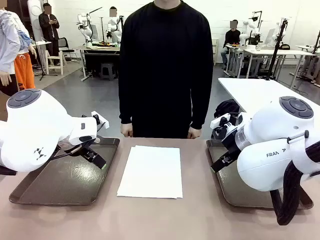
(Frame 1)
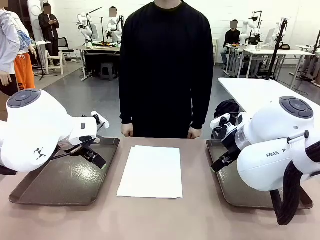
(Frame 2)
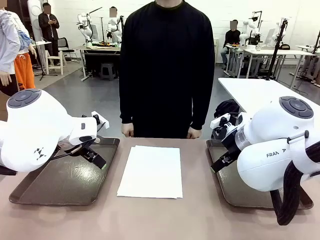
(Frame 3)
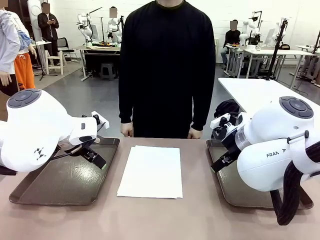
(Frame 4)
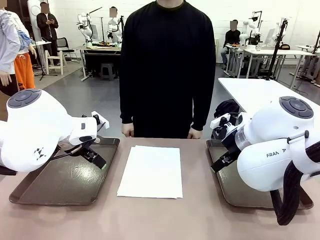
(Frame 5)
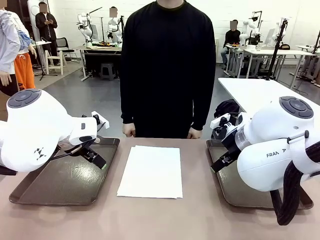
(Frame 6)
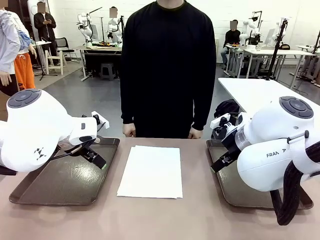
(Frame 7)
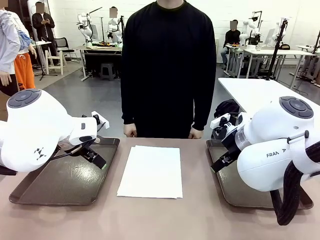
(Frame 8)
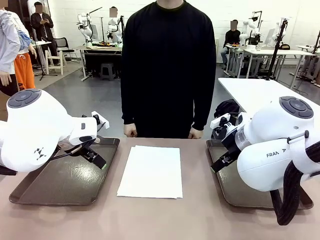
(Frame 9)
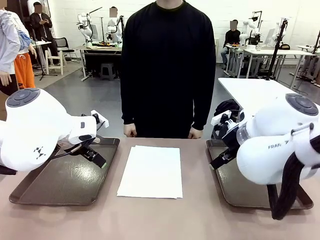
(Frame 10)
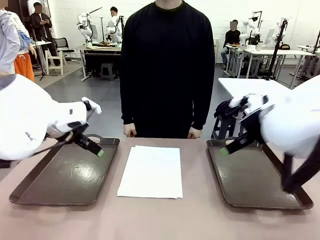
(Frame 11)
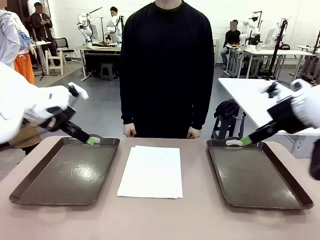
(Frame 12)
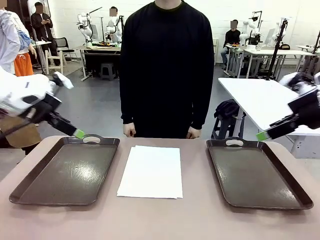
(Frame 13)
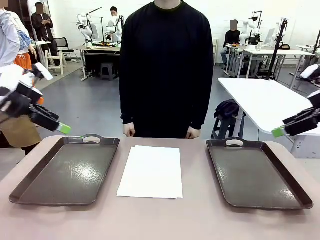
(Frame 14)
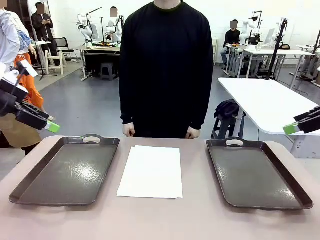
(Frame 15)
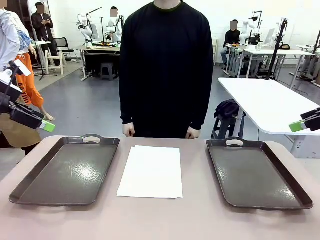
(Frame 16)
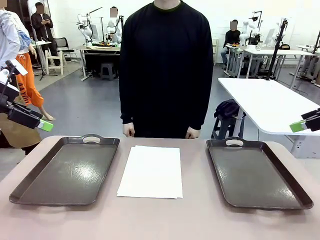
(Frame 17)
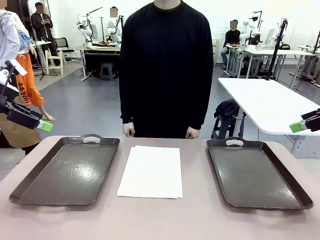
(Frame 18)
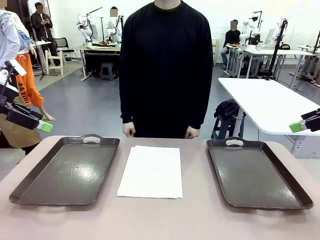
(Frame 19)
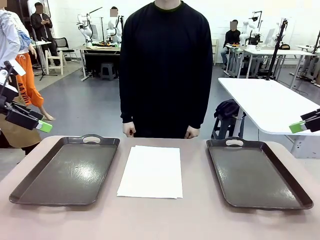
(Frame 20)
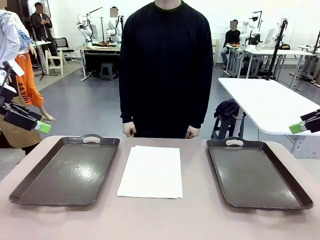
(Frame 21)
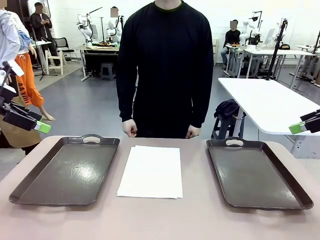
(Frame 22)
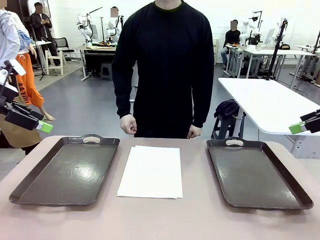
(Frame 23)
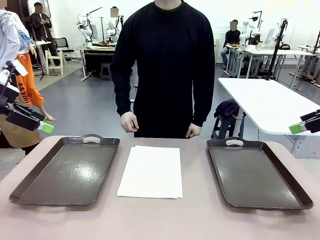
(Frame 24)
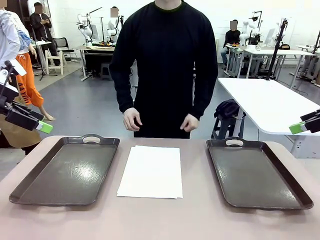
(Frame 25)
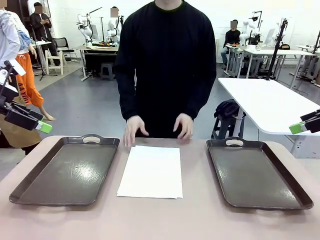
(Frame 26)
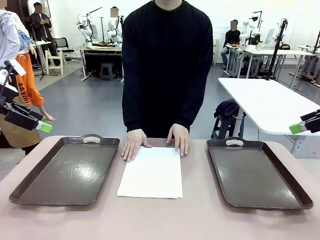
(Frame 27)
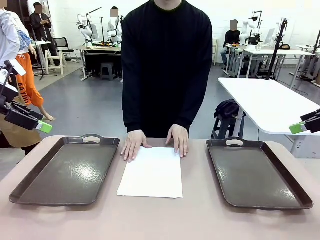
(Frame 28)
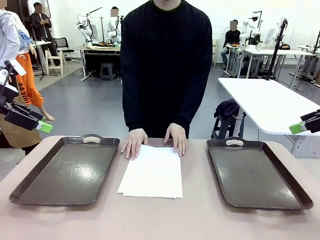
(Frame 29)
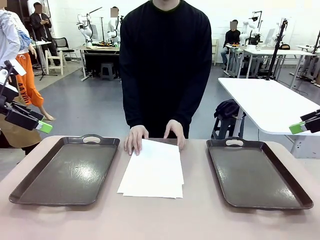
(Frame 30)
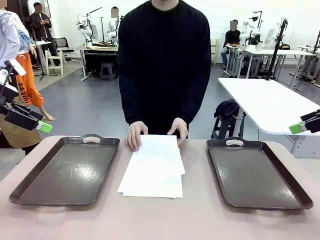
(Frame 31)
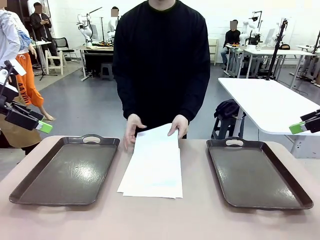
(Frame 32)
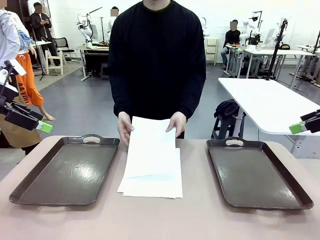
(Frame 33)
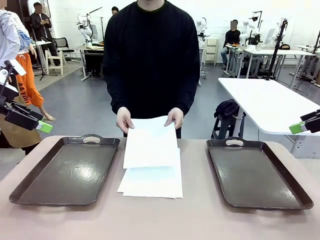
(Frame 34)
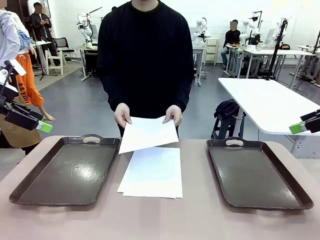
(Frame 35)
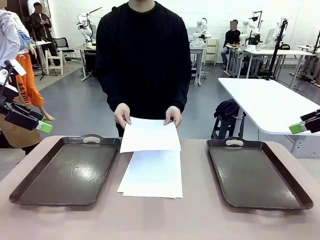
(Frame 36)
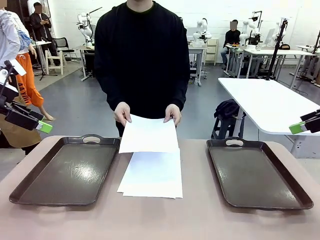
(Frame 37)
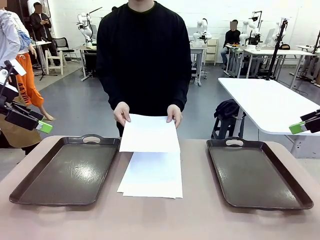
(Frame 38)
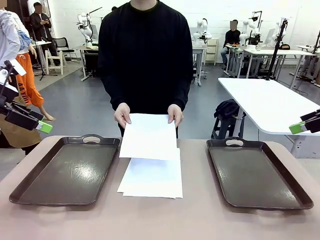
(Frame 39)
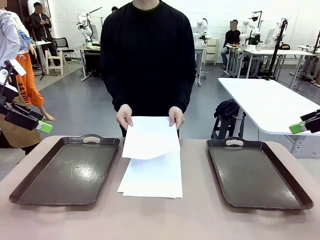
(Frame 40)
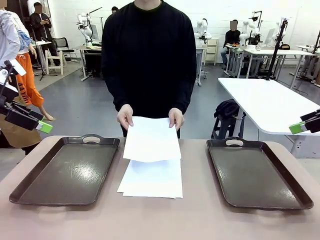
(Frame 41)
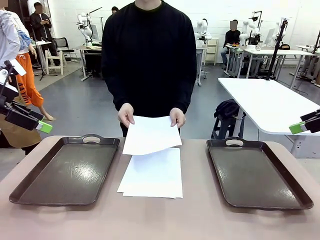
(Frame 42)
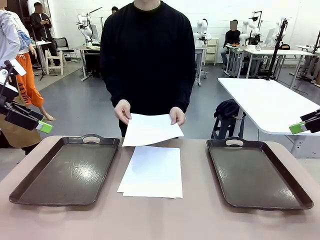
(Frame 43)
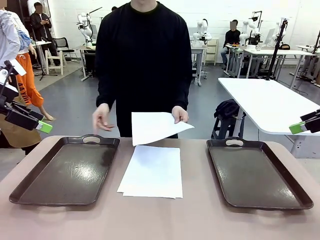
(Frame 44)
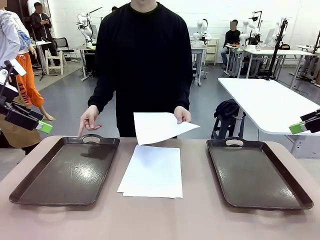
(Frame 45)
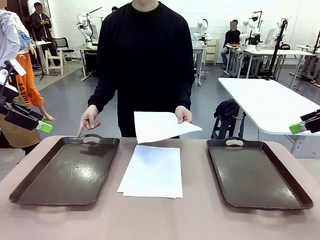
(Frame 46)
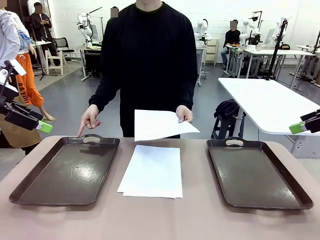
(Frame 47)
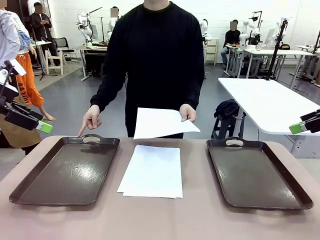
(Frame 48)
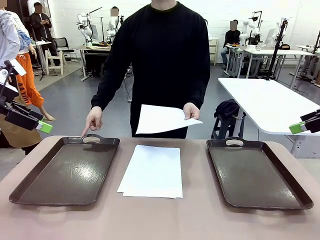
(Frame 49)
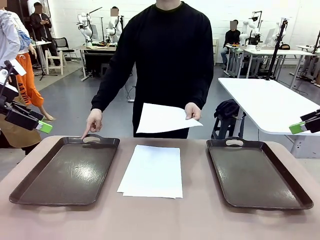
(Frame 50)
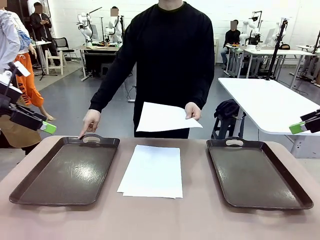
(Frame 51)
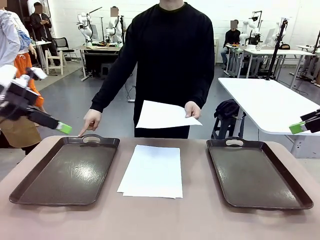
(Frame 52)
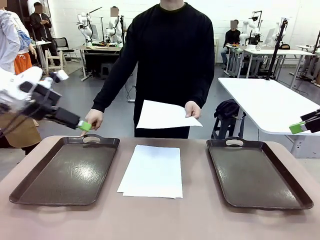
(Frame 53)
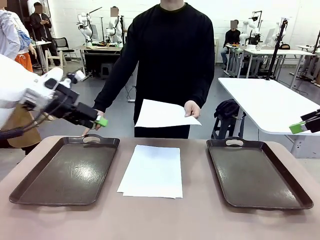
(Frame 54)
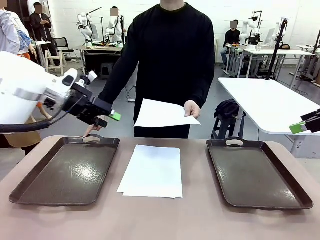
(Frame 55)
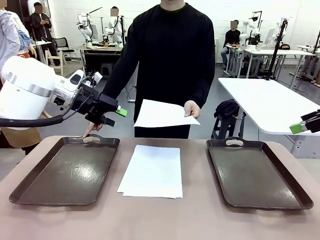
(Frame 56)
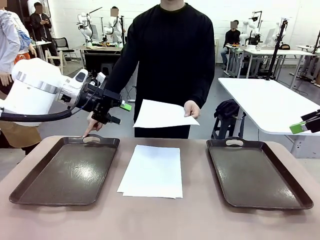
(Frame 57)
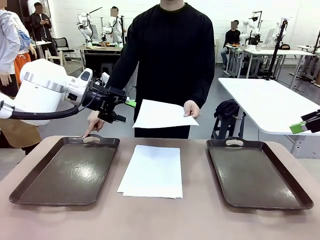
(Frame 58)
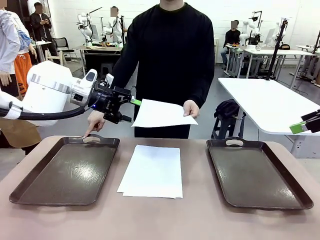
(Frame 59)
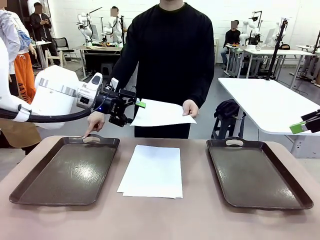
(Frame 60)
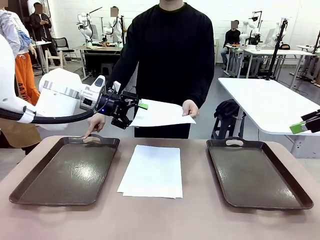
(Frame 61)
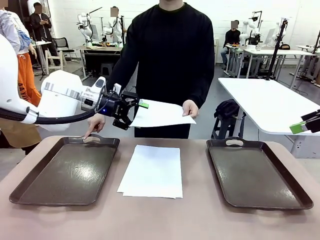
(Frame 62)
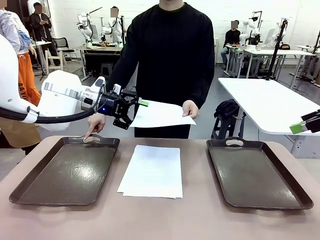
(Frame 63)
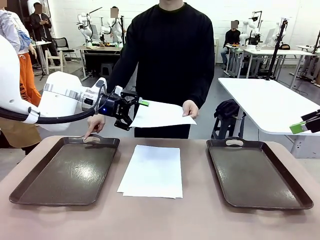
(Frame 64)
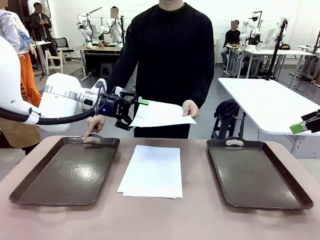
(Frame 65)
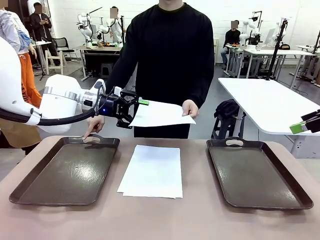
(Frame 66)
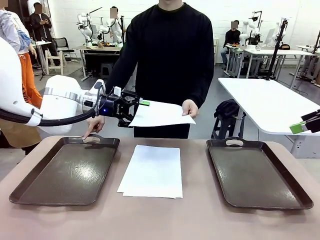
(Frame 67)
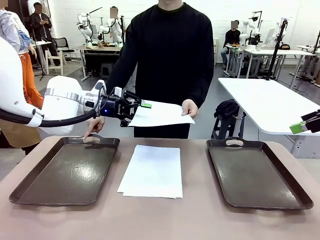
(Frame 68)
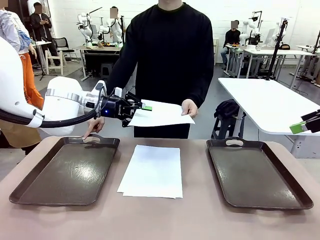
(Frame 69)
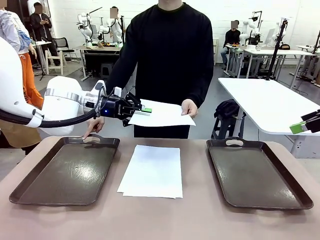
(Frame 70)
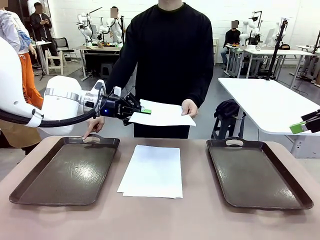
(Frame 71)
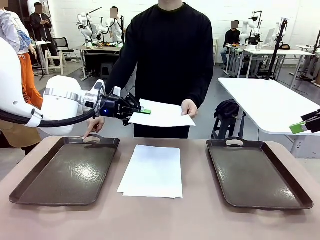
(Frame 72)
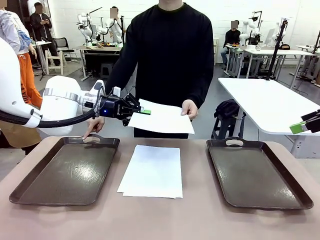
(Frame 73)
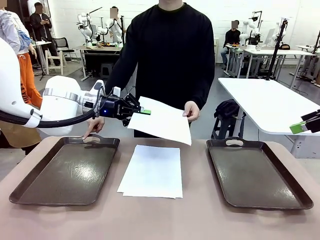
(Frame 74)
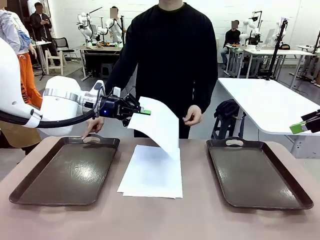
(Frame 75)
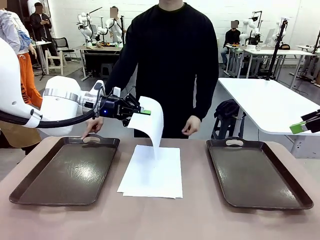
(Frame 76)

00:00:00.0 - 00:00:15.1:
Task: Sort the A4 documents.
Robot: Receive the A4 Paper.
Person: Pick up a sheet of paper from the center of the table and hand it to the robot. Point the randomly selected tray with the other hand.

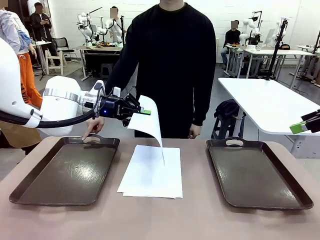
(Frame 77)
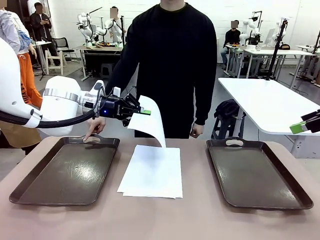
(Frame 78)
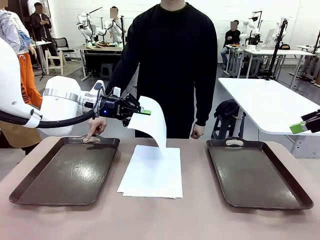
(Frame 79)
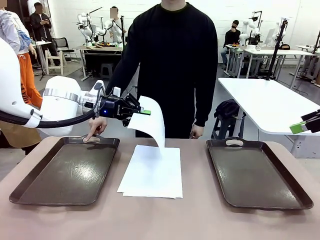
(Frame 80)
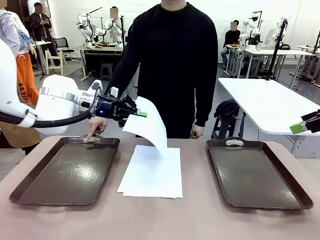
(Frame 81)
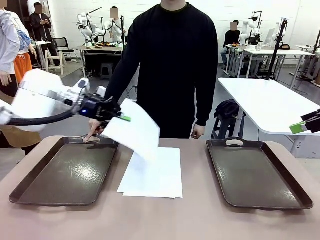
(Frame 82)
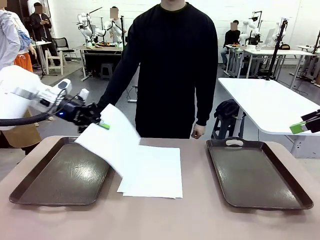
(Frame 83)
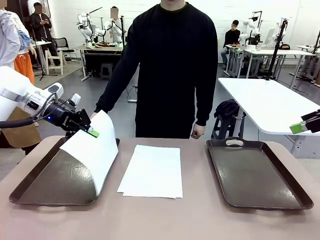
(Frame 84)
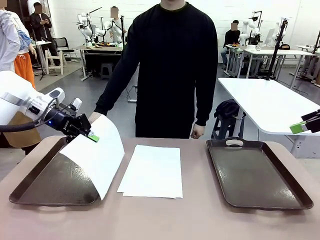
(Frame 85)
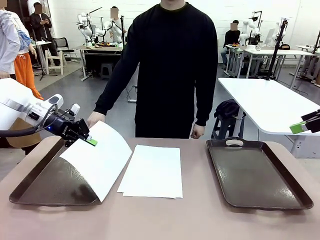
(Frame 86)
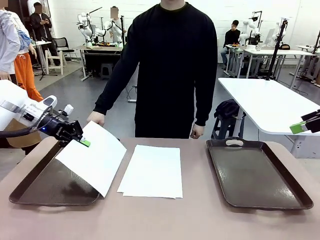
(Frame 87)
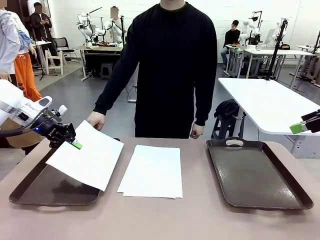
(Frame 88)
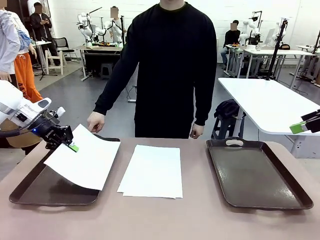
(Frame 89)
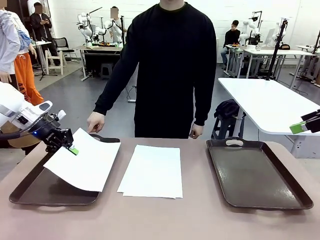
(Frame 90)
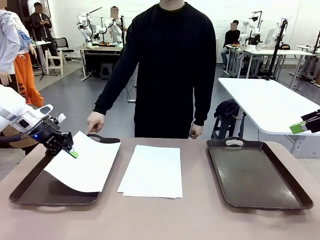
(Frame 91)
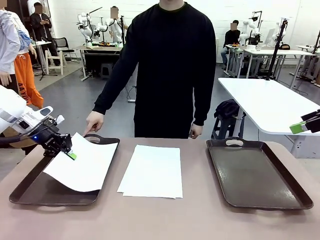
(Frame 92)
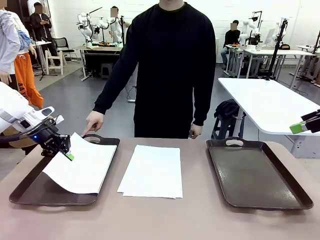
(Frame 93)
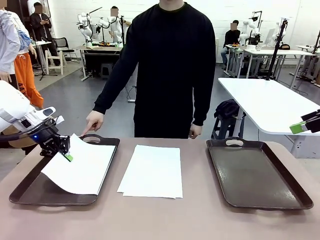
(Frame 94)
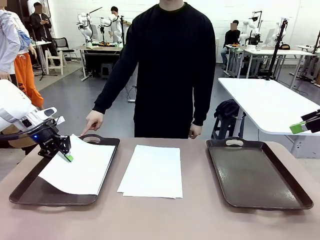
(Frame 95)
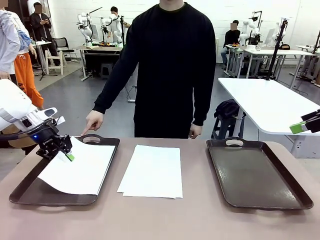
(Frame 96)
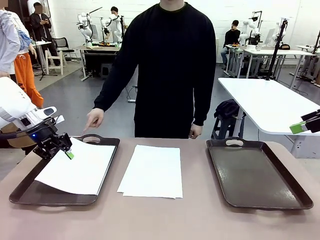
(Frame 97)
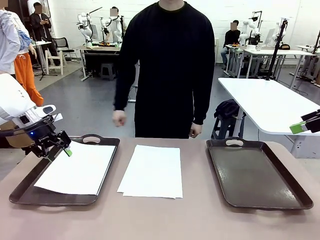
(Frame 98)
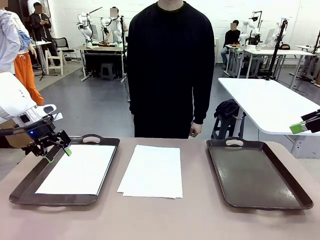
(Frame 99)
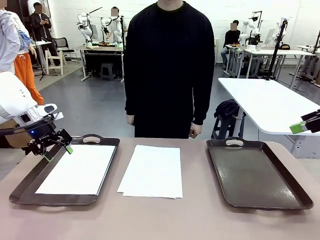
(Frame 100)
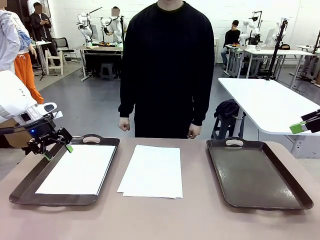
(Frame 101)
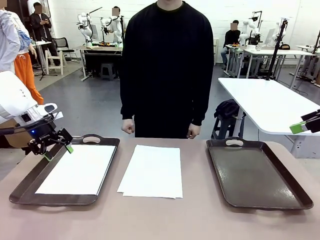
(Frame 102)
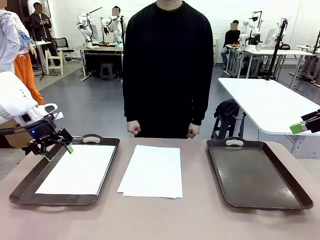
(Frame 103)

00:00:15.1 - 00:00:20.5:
Robot: Place the A4 Paper in the designated Handle tray.
